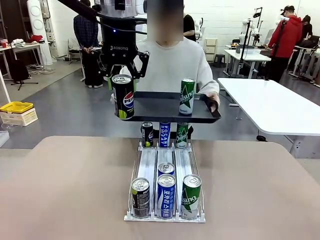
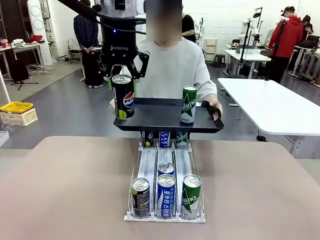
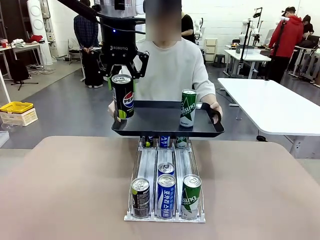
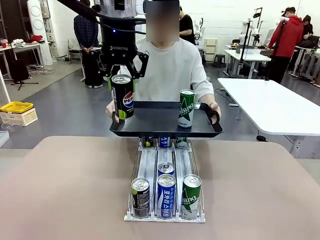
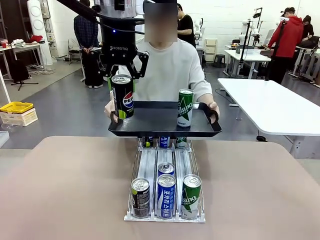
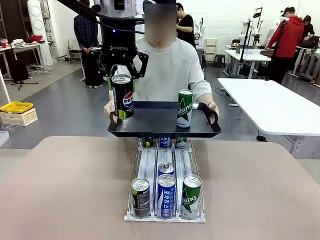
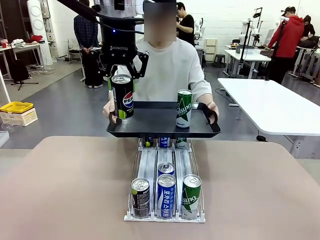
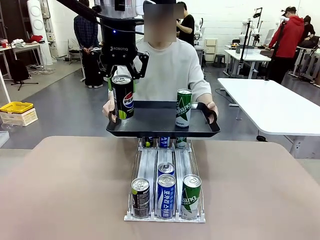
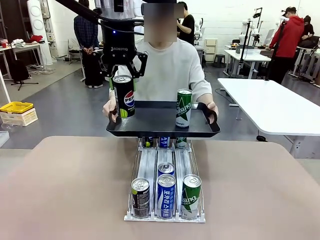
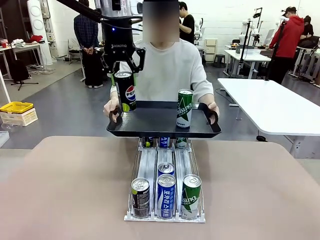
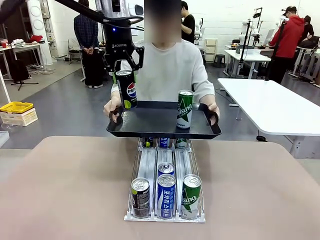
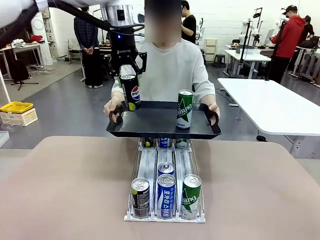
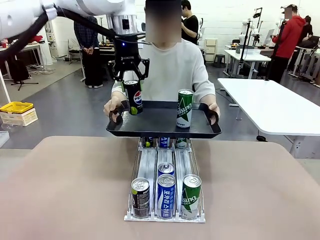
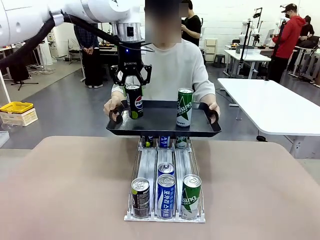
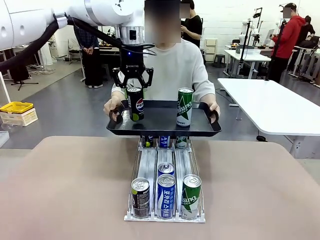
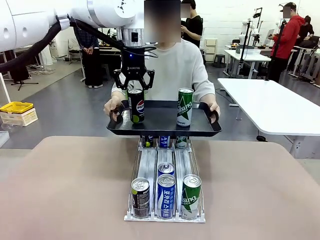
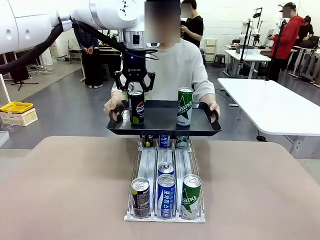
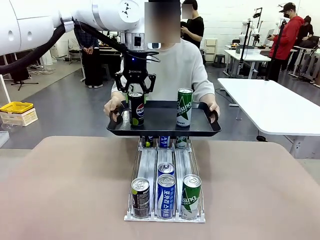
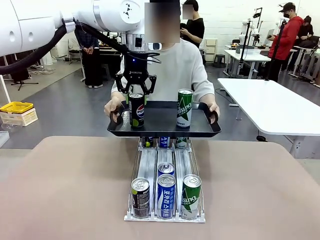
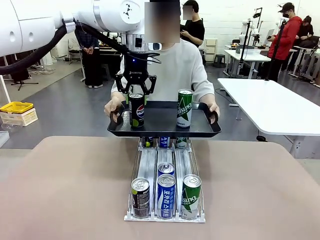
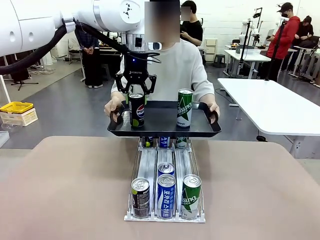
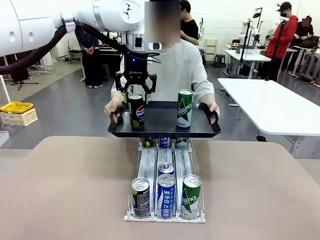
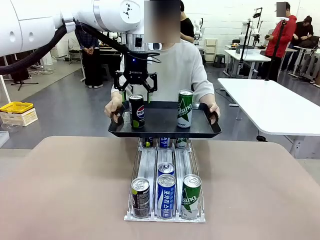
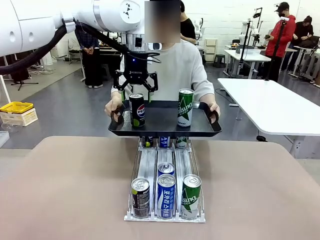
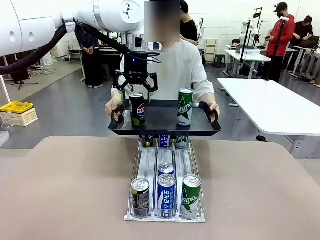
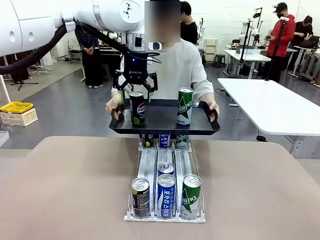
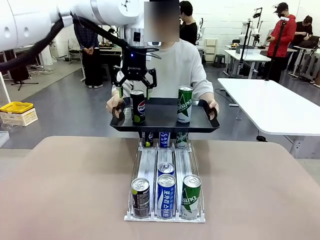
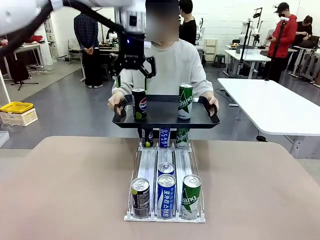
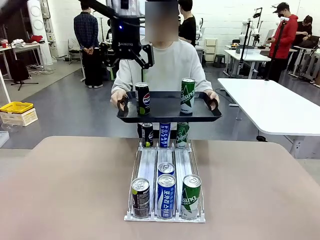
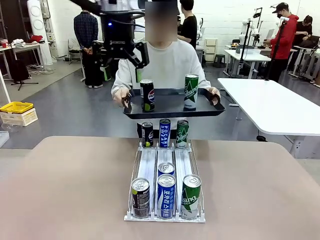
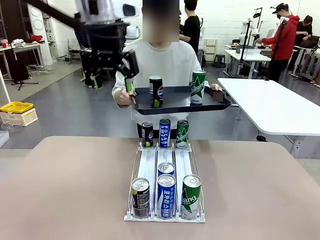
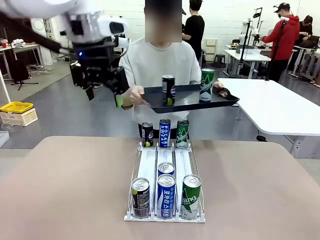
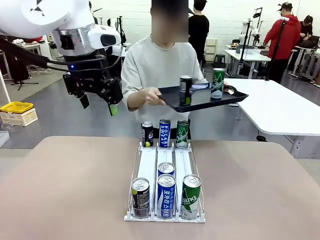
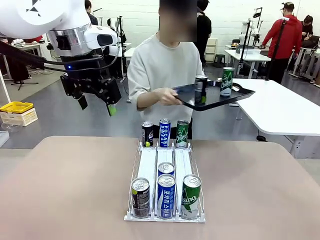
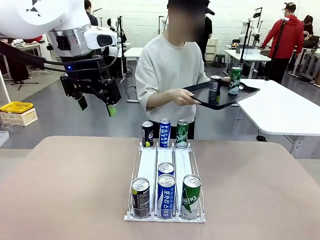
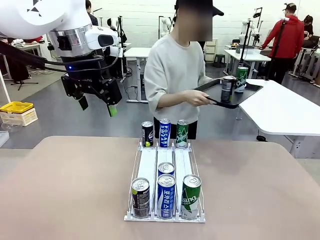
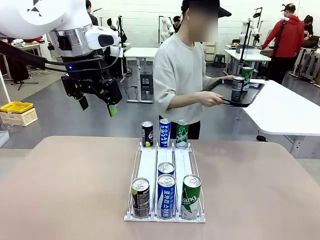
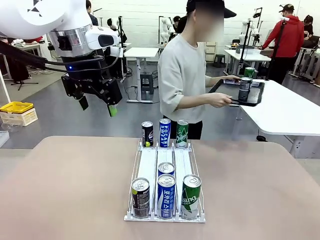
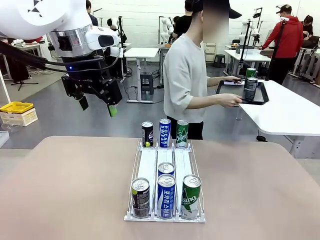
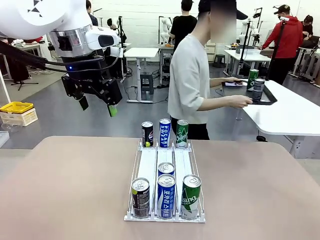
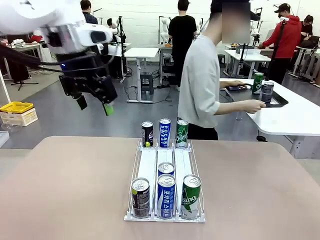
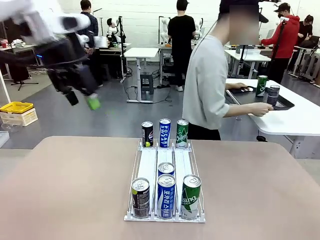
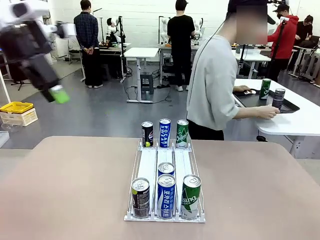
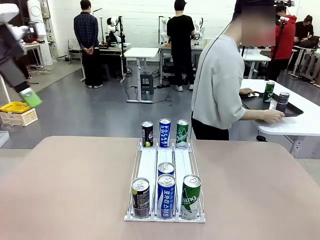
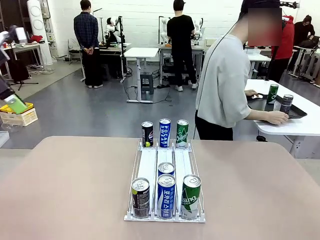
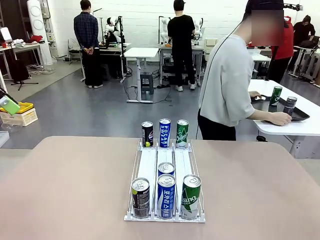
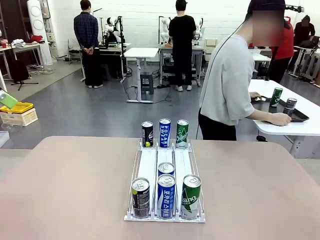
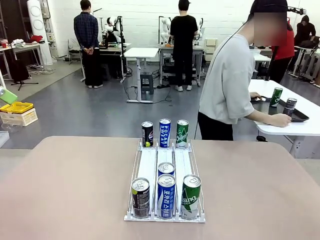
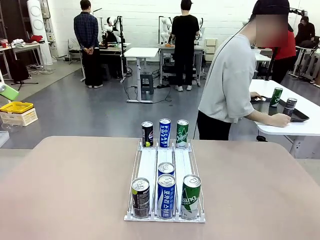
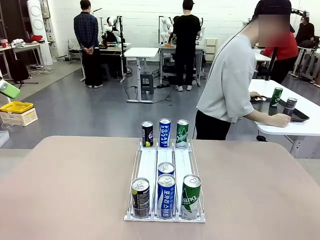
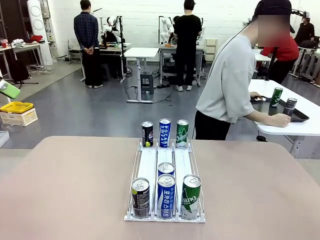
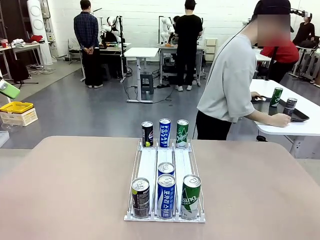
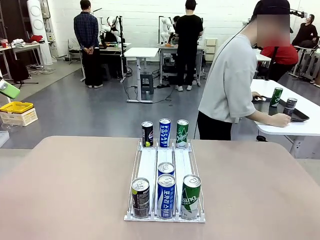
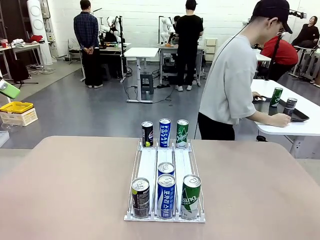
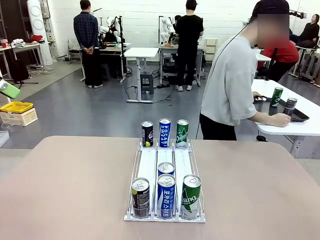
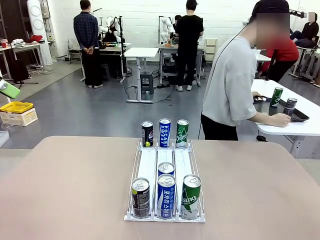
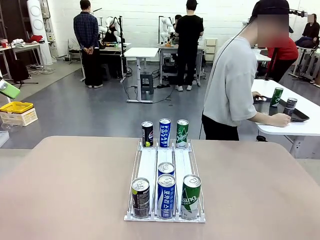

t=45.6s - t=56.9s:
Task: Retrieve and hand over the desired beverage to the person.
Robot: Place the picked can on the Handle tray extended by the person.
Person: Pull the tray back and place it at the center of the human table.

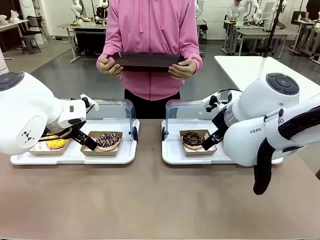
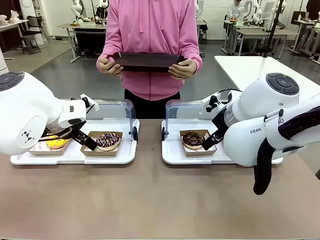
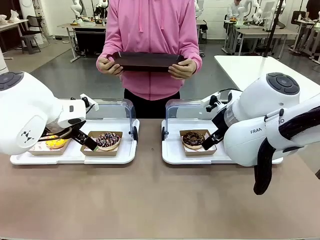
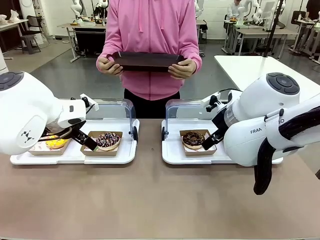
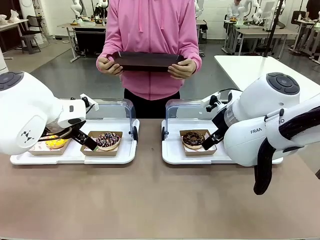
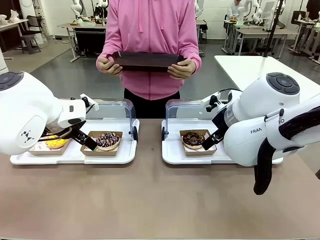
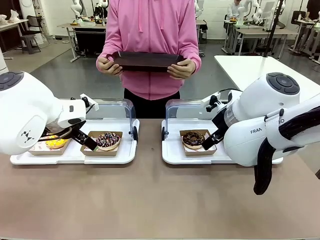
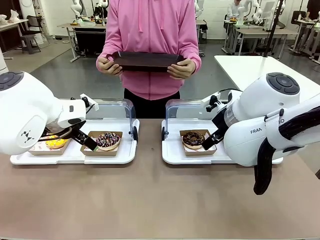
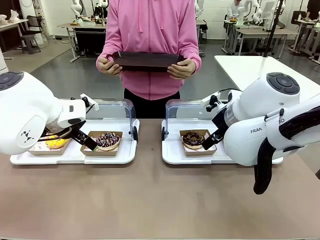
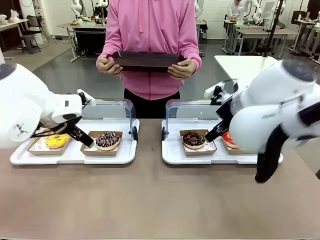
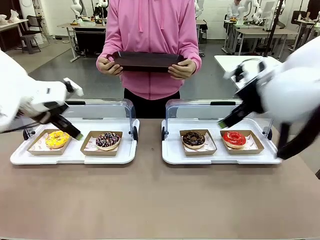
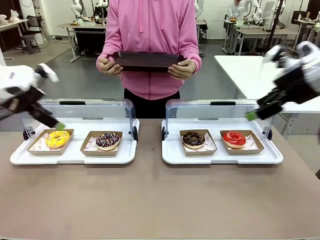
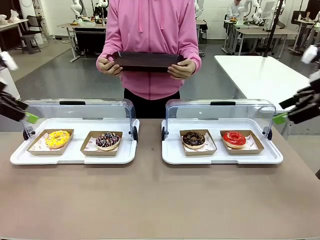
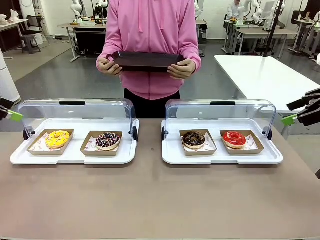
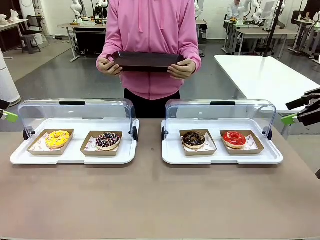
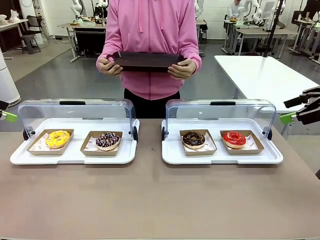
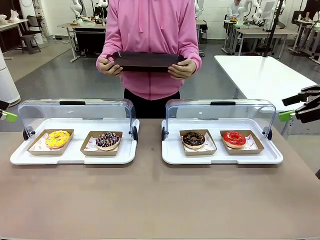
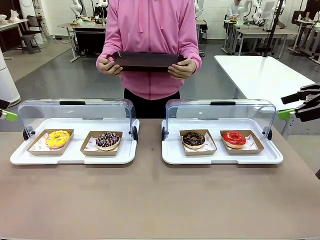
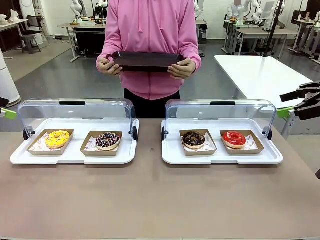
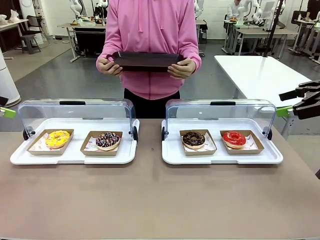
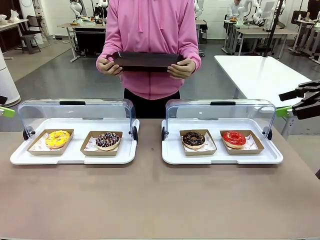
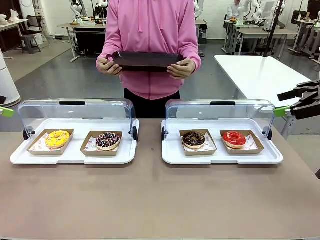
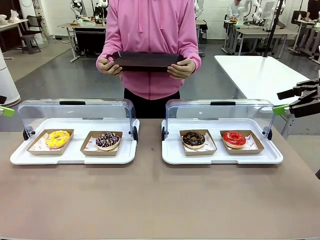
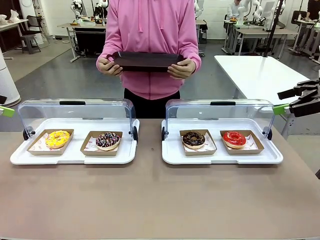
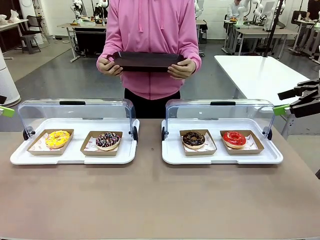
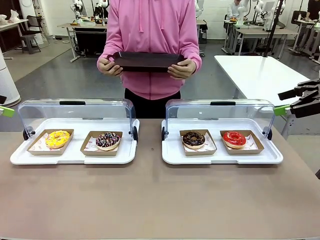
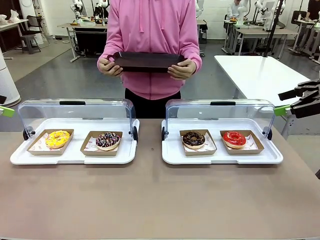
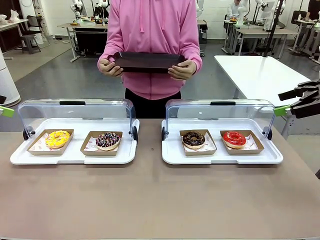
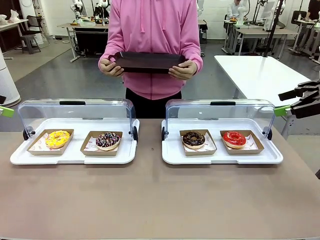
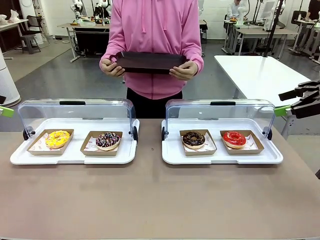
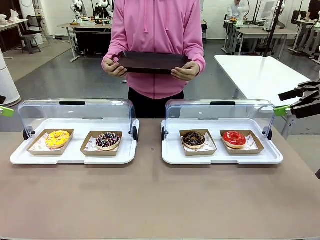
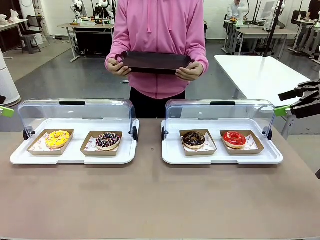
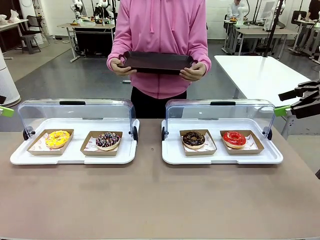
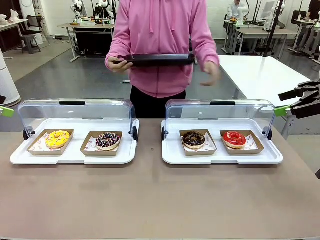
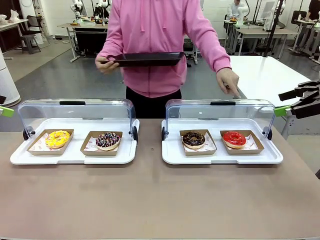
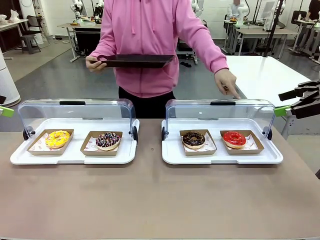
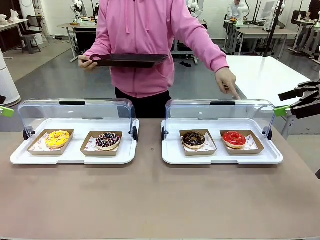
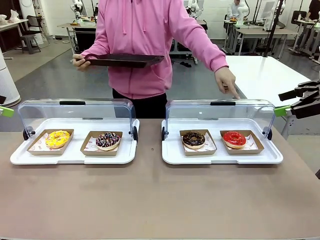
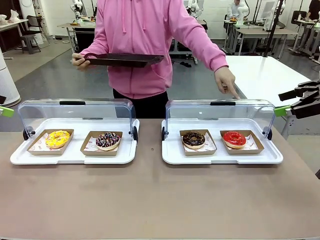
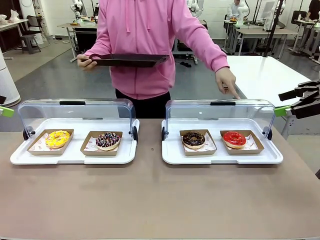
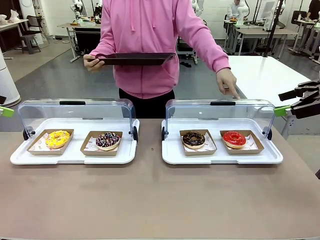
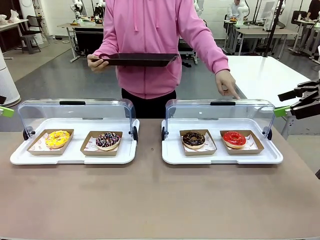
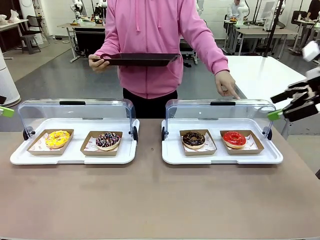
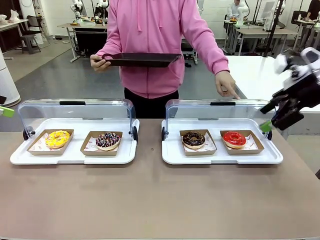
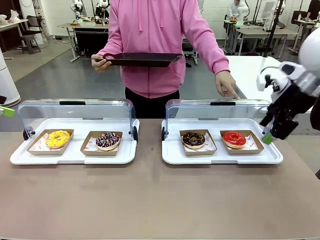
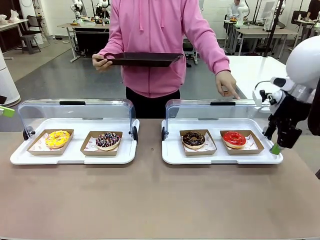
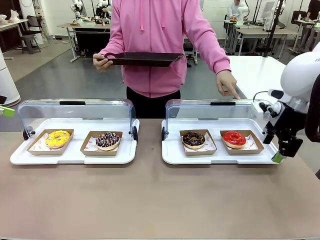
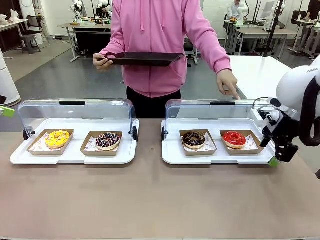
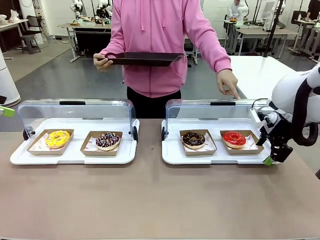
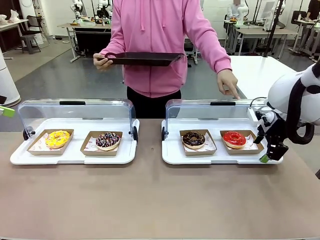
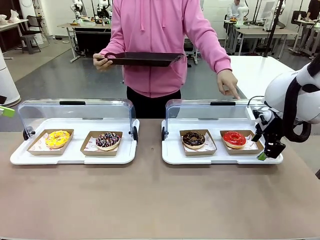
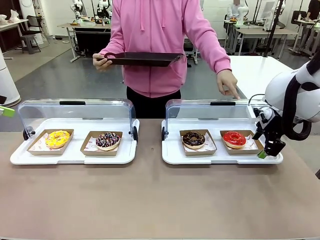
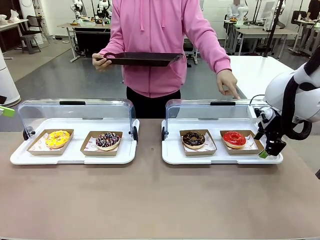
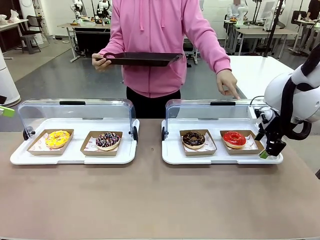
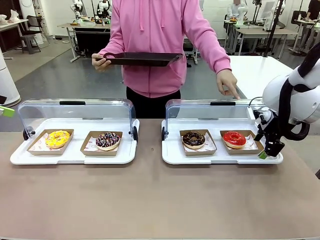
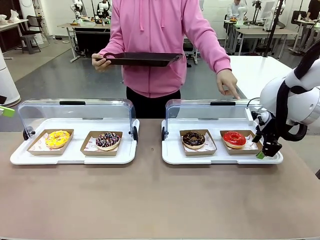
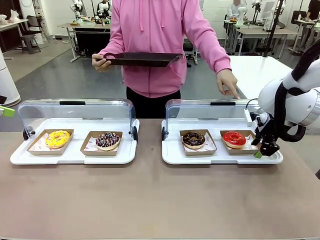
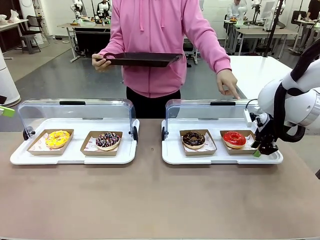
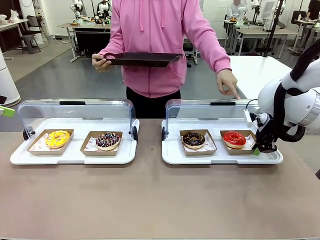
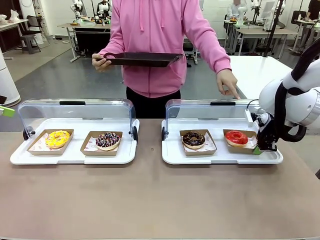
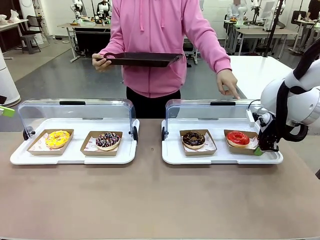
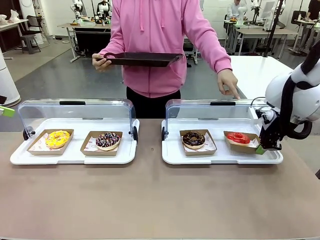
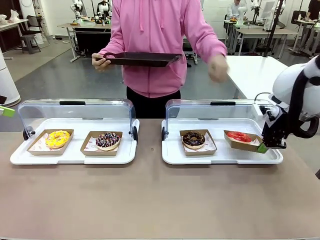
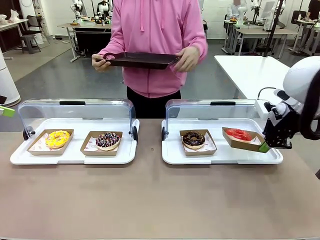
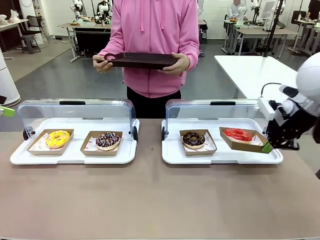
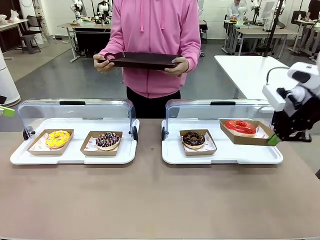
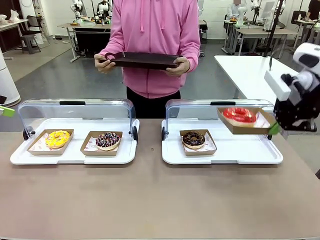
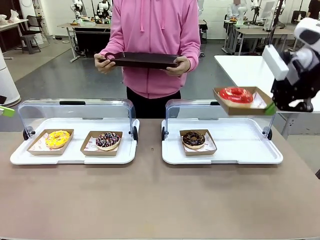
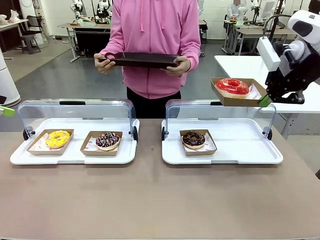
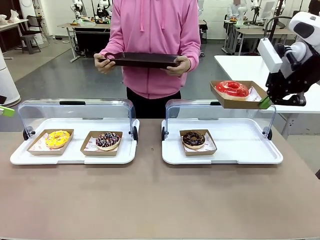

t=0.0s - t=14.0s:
Task: Provide the desired donut to the person.
Robot: Pick up and lift the Paper togo box containing the Donut pointed at by the person.
Person: Point to one donut. Lift the tray onto the Roll-Top Bakery Case.
